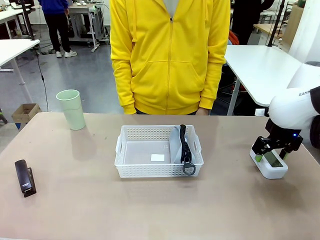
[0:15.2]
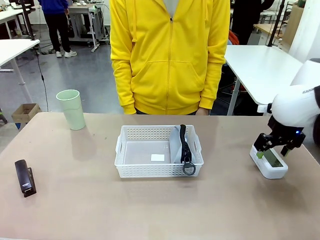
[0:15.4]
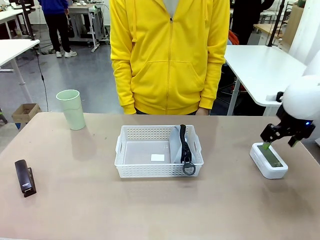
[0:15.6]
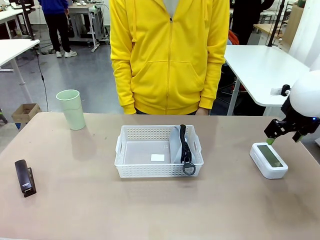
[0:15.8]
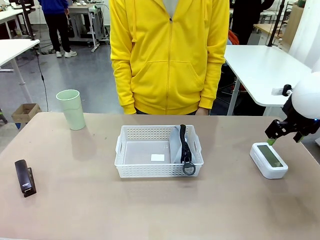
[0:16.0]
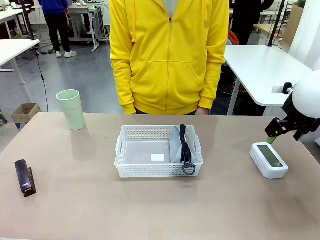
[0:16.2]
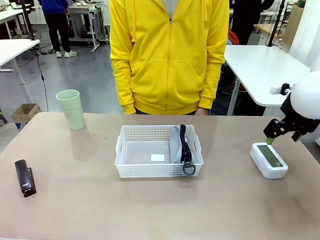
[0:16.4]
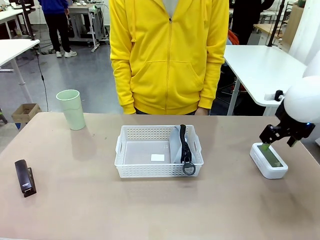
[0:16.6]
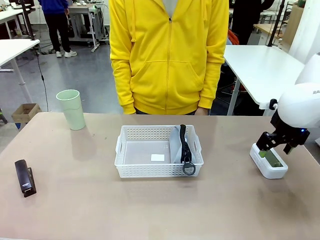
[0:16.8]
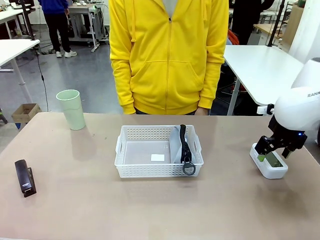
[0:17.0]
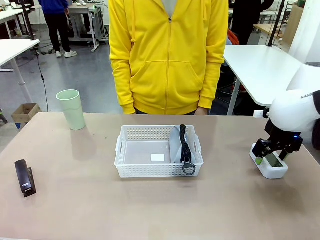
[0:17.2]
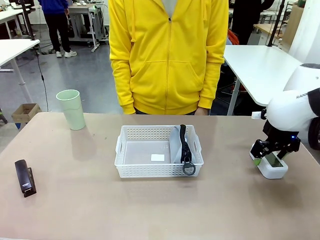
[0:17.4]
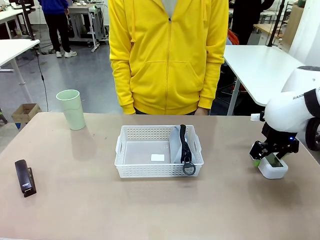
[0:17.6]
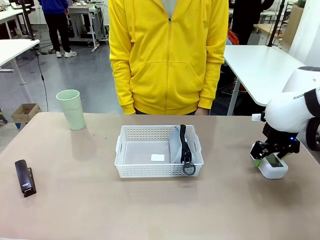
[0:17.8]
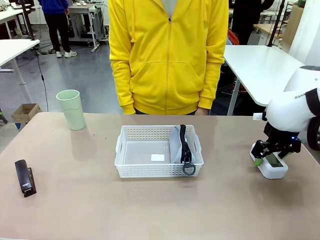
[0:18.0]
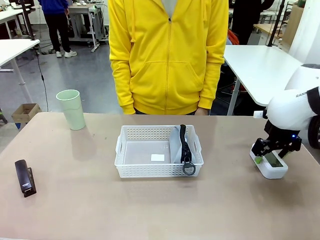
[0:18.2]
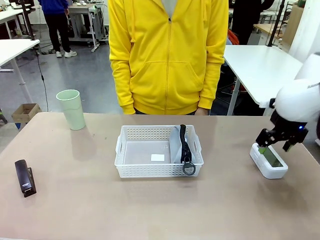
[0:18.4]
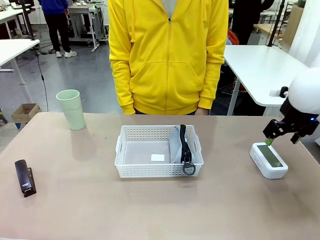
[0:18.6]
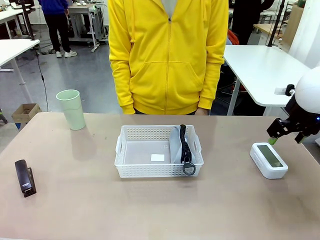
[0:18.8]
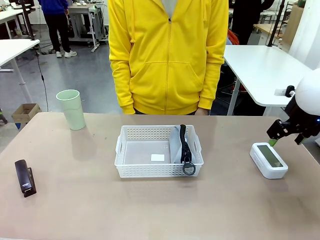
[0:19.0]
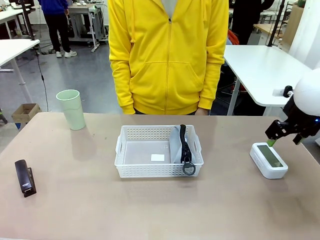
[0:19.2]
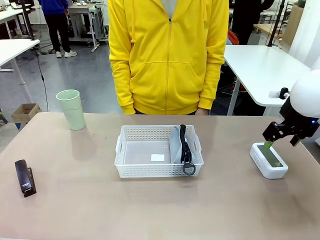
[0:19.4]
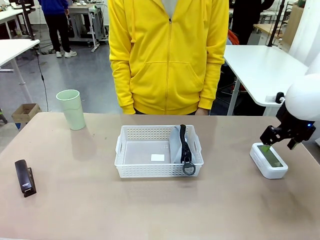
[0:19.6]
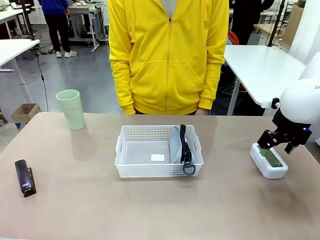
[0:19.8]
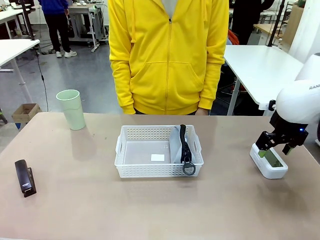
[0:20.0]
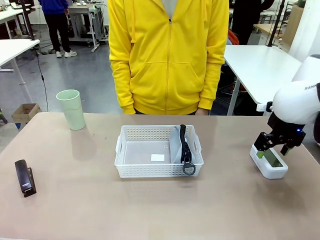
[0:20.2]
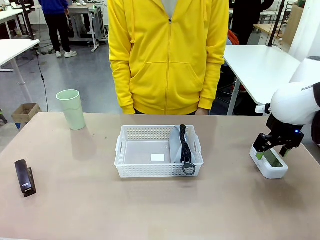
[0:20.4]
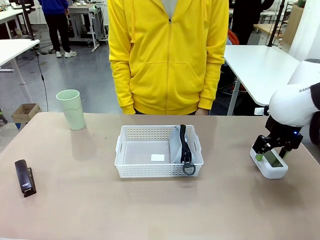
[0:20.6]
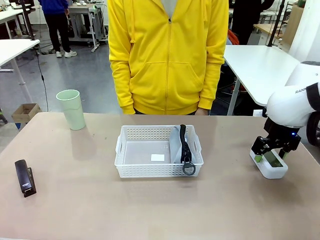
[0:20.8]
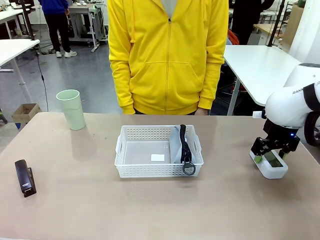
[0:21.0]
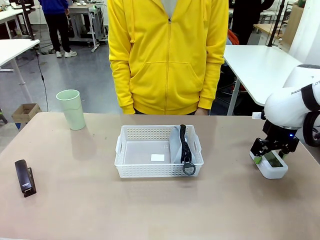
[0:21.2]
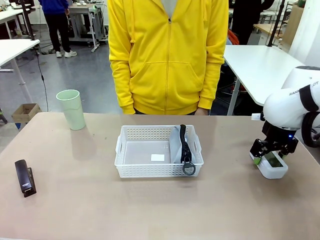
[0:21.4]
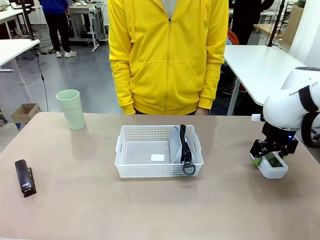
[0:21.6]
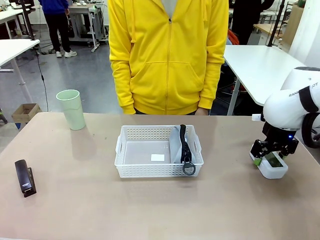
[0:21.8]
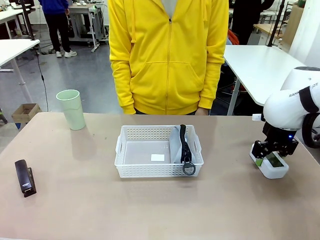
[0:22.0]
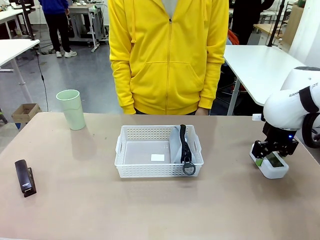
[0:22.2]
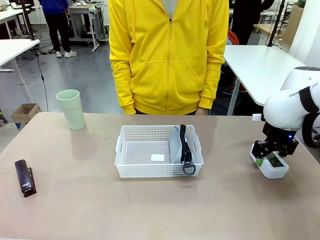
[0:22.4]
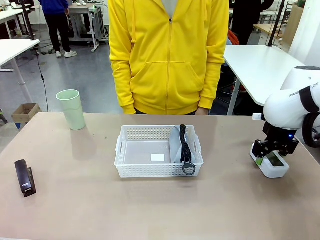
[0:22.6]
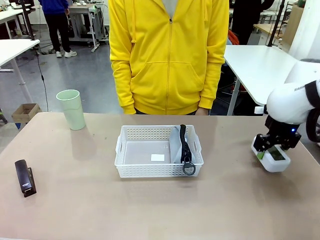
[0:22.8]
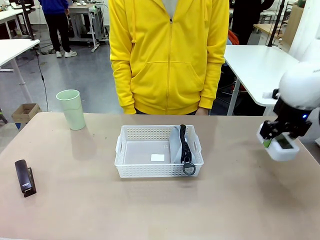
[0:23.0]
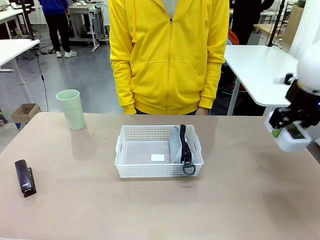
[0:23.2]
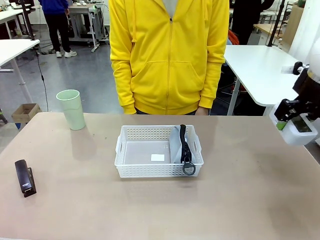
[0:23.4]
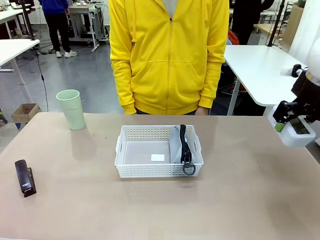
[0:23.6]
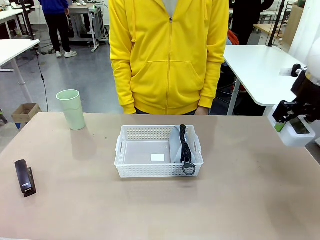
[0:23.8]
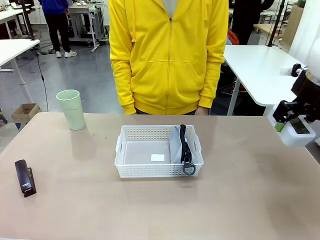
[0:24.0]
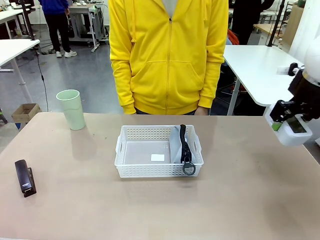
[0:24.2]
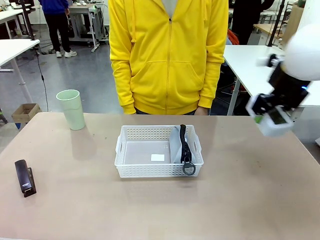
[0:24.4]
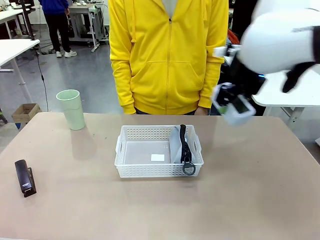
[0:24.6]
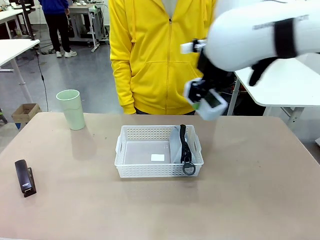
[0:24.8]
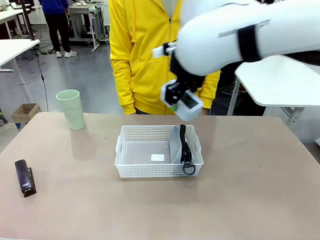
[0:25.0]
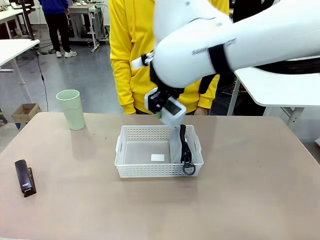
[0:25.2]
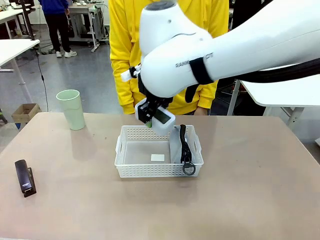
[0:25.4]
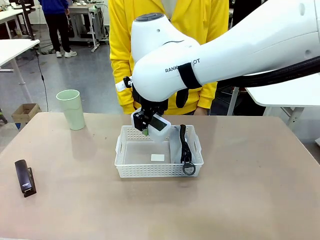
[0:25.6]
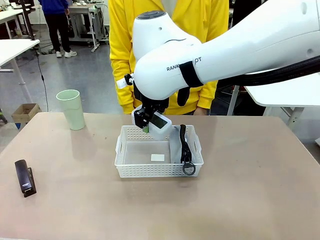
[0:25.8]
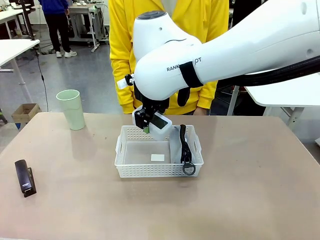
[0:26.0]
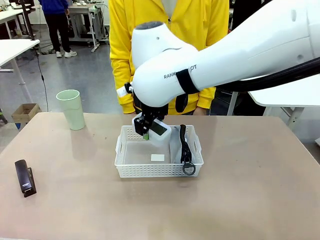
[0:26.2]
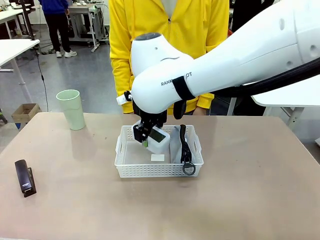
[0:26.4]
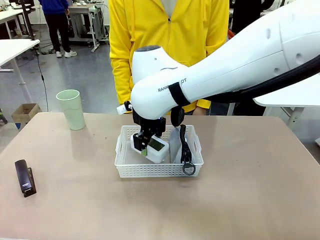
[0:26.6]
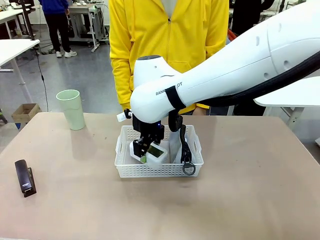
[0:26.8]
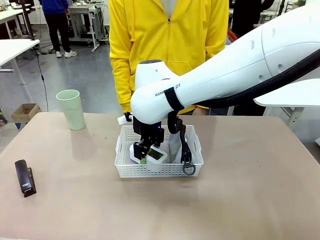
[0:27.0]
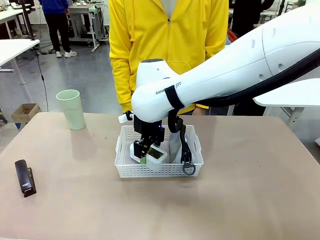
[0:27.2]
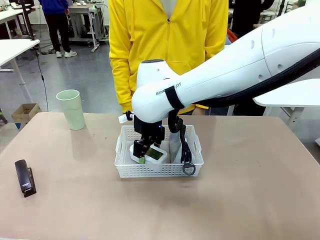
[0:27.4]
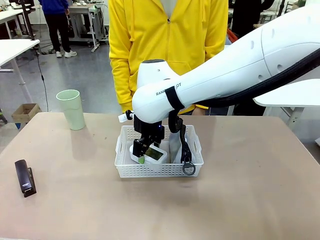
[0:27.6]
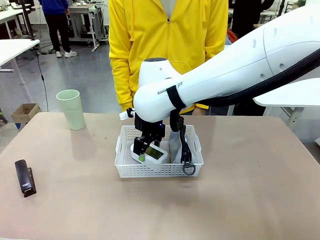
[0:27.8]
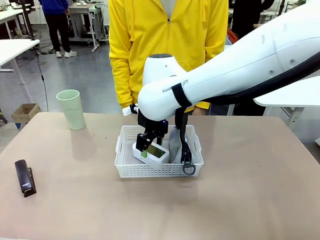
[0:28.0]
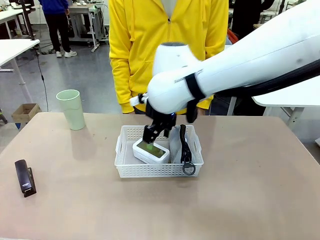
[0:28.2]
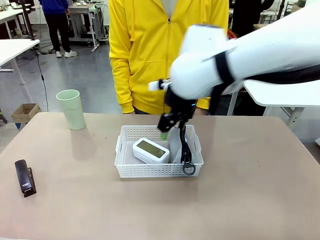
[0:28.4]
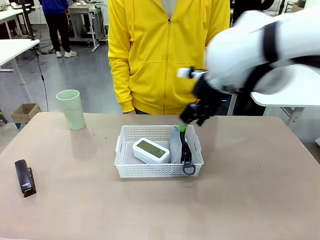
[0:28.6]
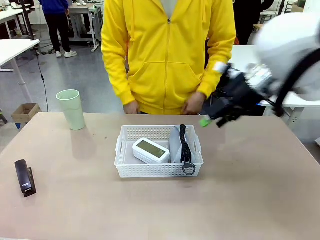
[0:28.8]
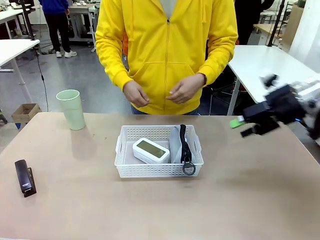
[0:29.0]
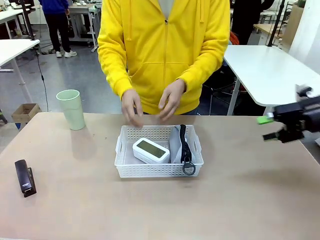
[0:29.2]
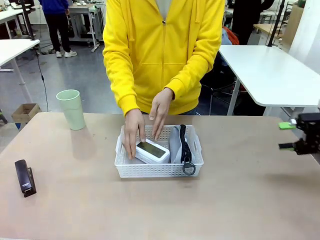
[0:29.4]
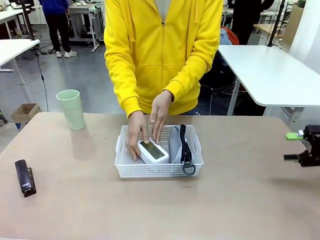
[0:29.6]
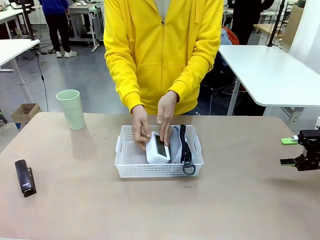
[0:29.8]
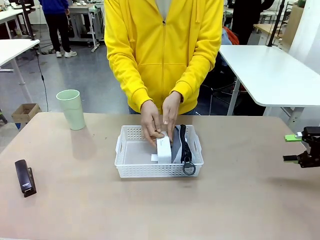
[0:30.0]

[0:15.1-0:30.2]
Task: Efficiently arrange items inside the basket to fit them all.
Robot: Pick up the Digital clock and place it inside the Organizing basket.
Person: Repositions the digital clock.
